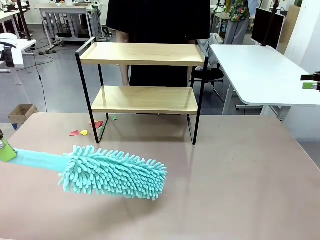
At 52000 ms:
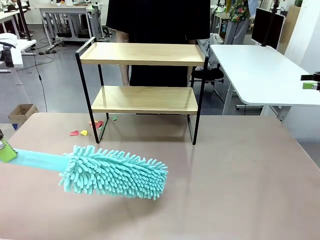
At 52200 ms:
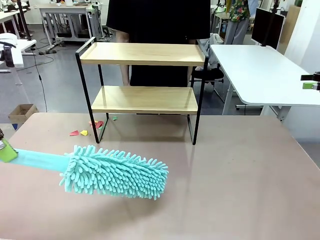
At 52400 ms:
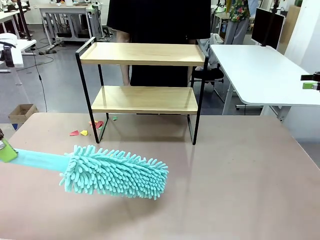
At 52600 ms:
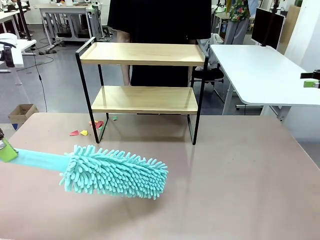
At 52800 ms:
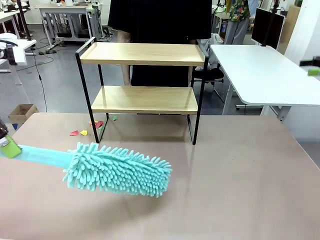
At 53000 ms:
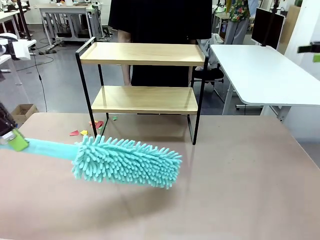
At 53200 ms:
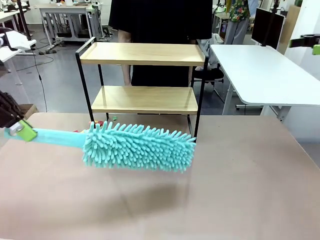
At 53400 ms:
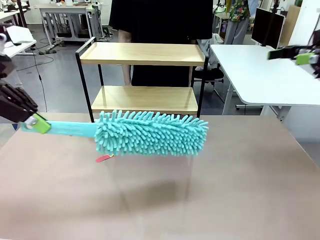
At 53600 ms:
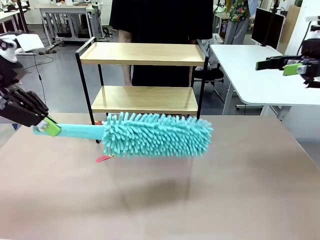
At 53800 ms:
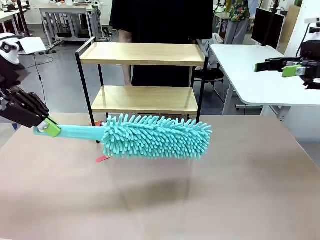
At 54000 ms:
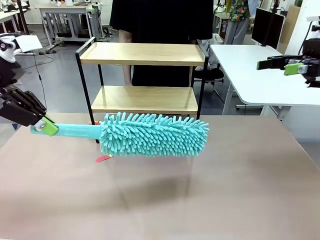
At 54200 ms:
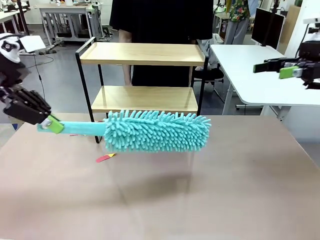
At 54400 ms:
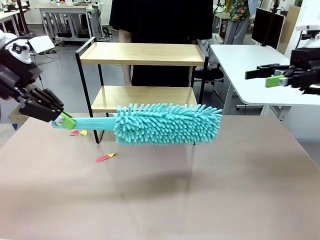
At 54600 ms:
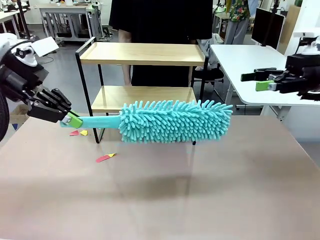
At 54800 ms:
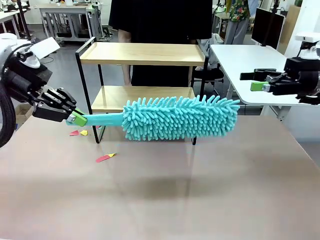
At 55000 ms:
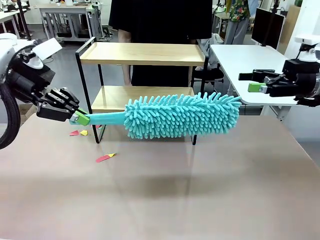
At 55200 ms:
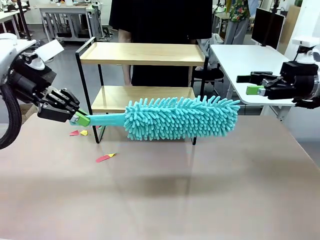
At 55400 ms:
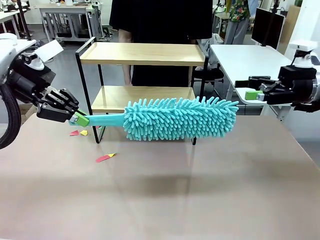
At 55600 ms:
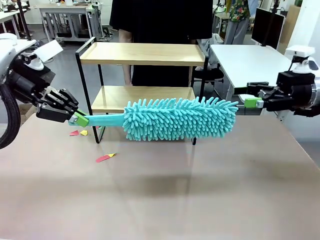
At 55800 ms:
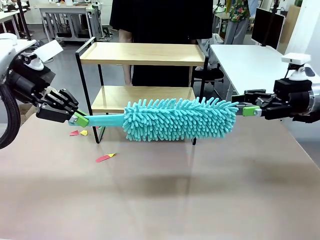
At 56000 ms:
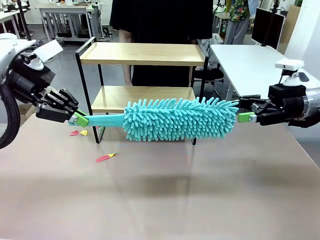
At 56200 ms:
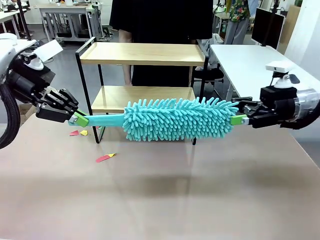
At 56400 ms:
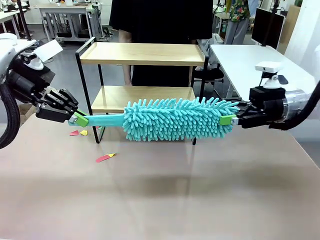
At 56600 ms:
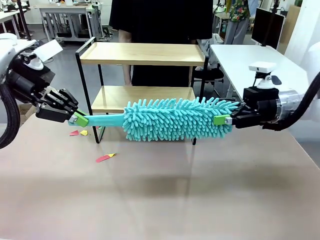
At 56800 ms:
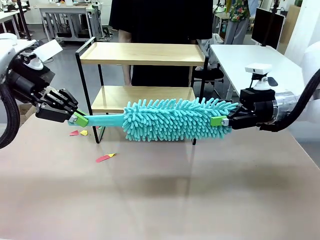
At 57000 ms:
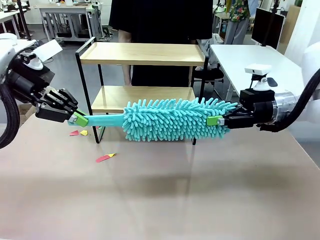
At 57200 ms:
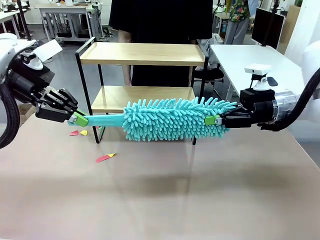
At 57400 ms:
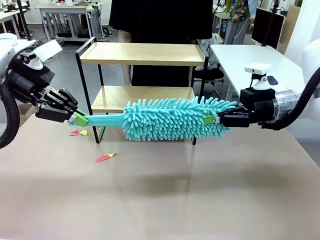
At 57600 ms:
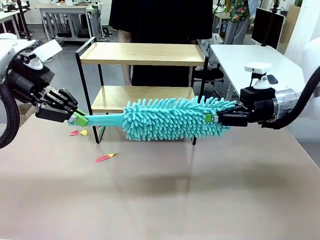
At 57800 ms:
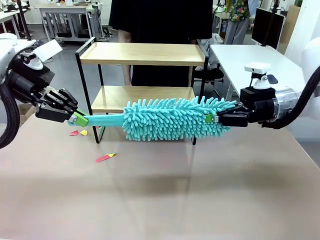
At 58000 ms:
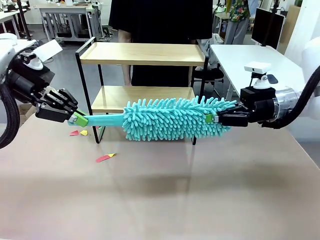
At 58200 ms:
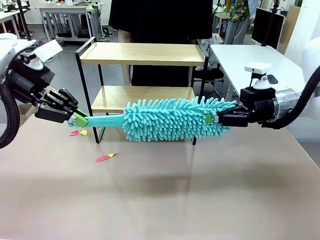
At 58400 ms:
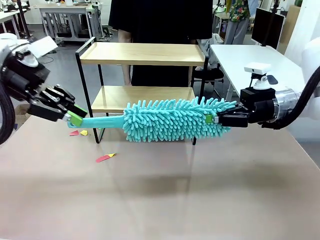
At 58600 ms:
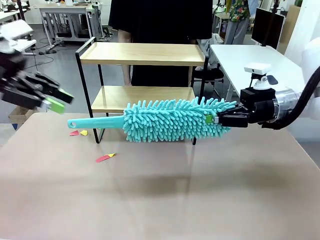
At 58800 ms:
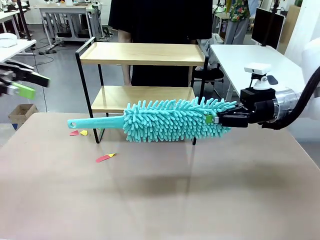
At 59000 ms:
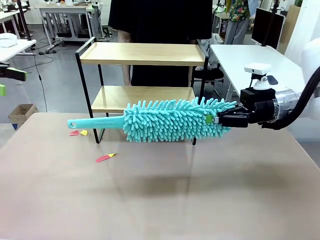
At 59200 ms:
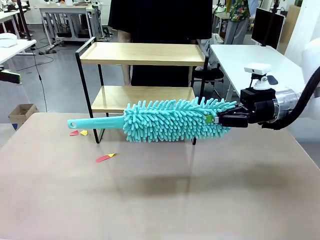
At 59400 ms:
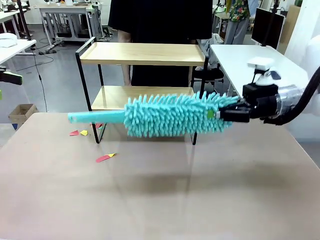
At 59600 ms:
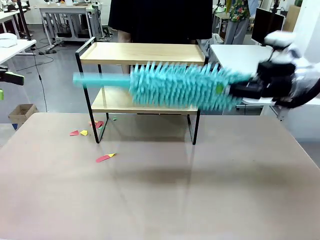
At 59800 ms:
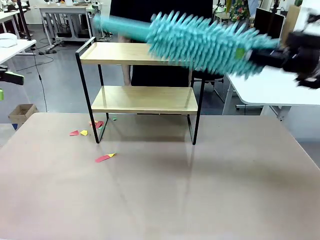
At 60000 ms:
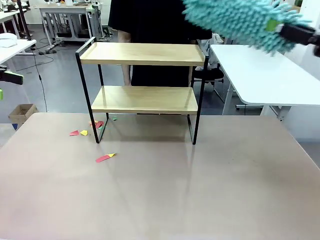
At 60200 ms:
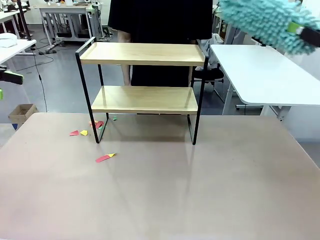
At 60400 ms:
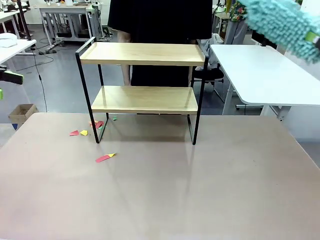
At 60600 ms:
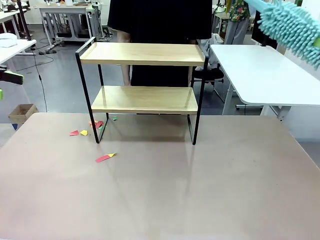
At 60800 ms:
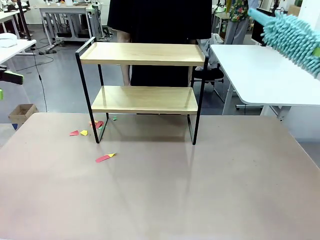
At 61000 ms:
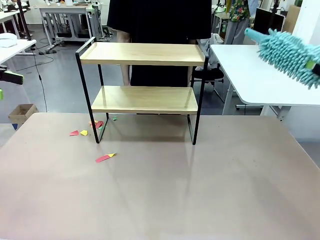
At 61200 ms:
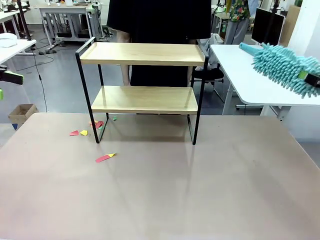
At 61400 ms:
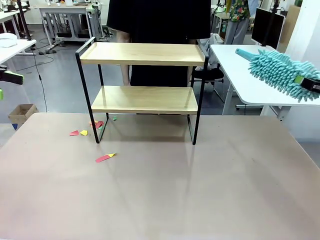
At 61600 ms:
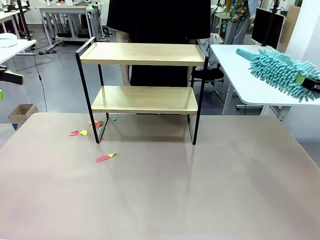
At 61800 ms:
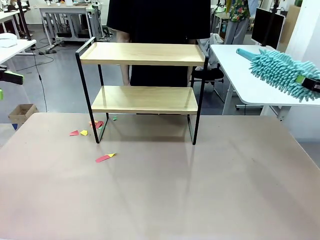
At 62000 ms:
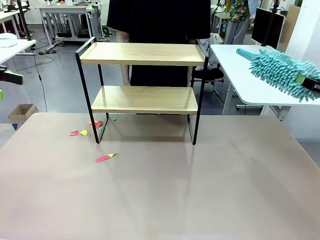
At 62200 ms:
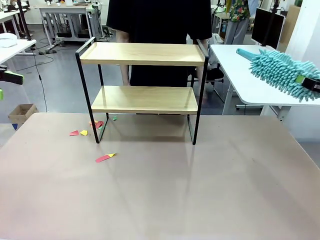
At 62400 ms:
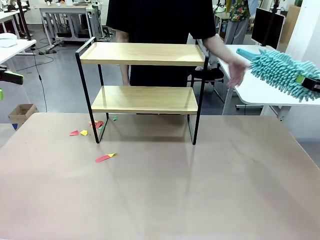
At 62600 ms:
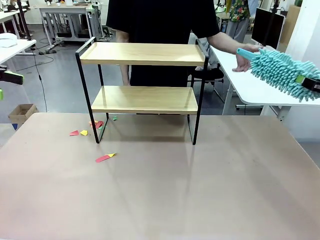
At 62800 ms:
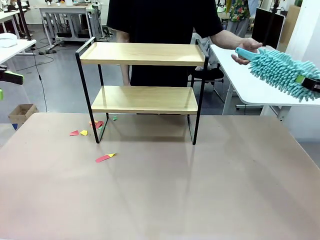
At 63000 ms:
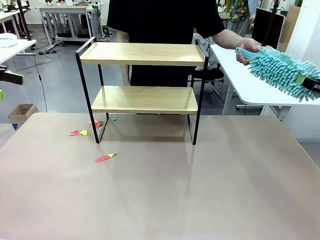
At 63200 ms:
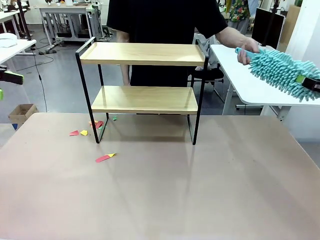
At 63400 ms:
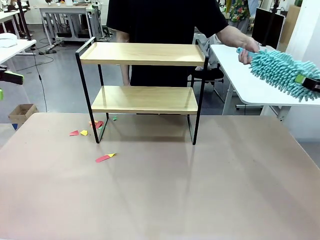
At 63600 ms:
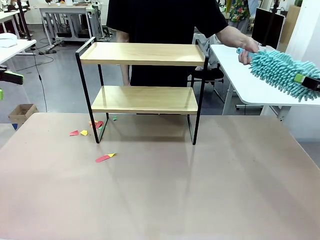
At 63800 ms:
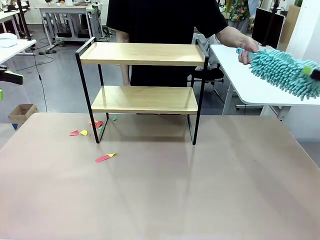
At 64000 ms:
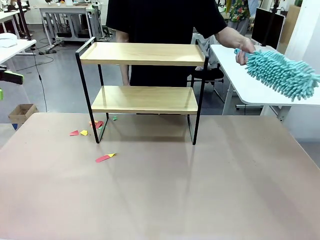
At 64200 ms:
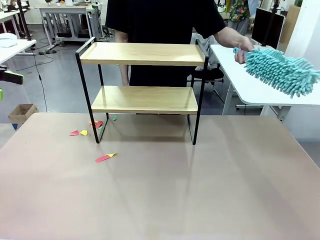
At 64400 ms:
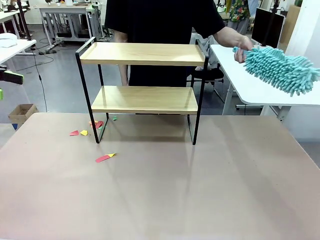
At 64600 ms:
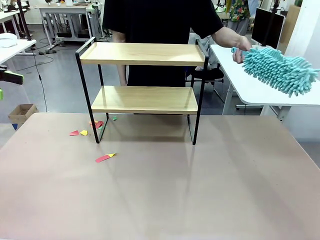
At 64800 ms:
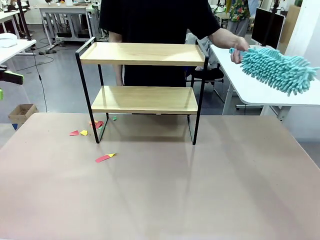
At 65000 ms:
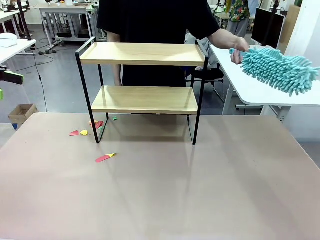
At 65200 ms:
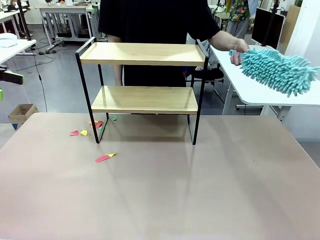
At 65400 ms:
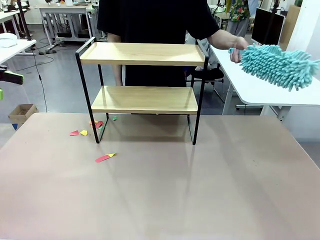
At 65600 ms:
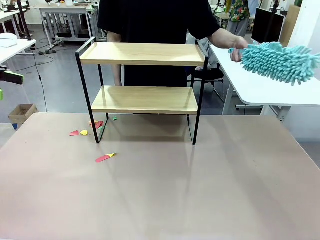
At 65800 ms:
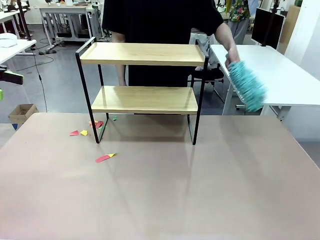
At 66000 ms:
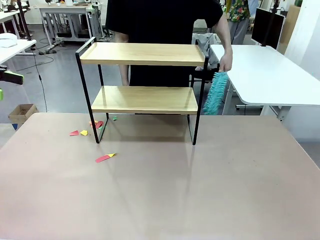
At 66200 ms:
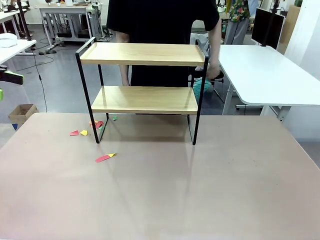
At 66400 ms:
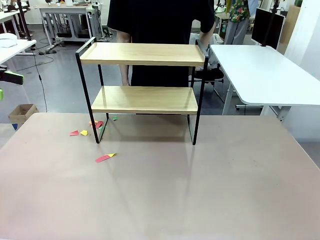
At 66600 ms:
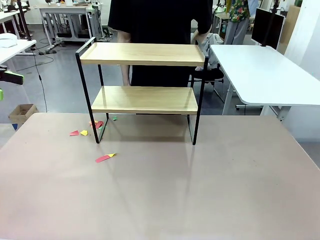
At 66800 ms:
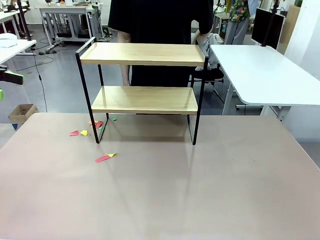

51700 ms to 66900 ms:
Task: Clean the shelf.
Robot: Hand the Duster back to the human.
Person: Receive the Duster from the robot.
